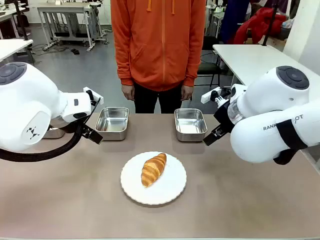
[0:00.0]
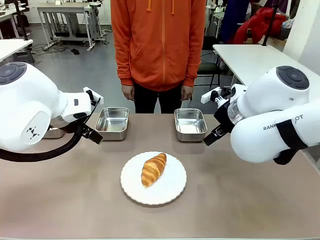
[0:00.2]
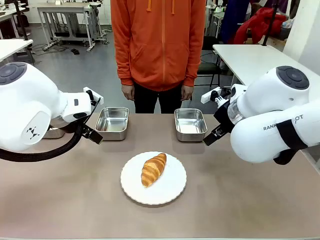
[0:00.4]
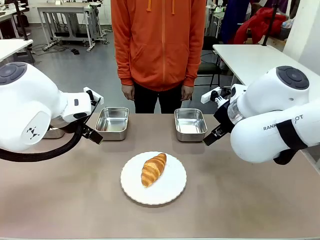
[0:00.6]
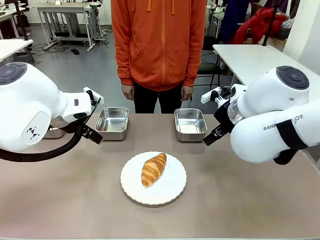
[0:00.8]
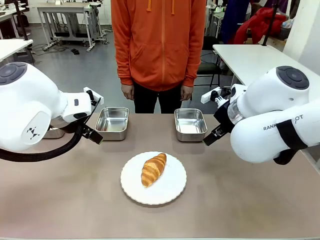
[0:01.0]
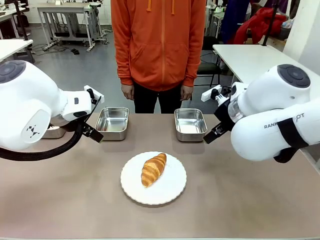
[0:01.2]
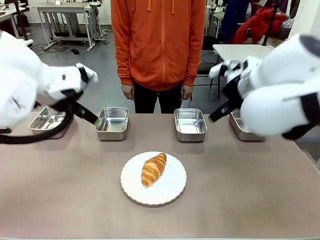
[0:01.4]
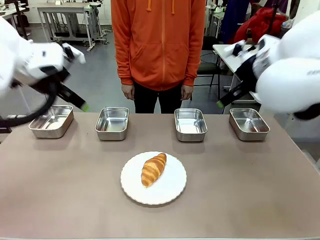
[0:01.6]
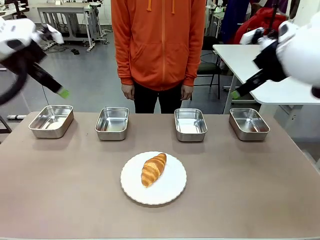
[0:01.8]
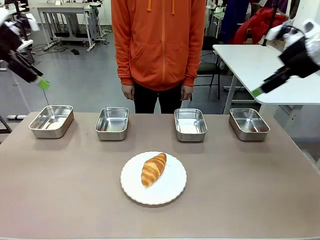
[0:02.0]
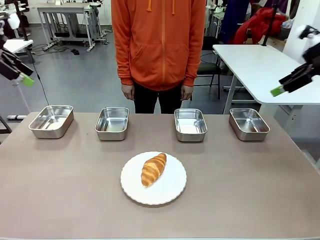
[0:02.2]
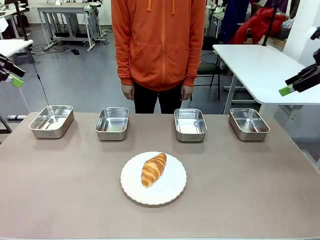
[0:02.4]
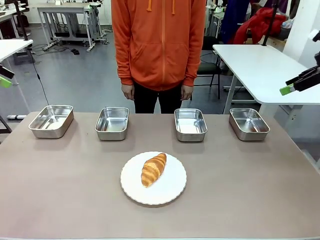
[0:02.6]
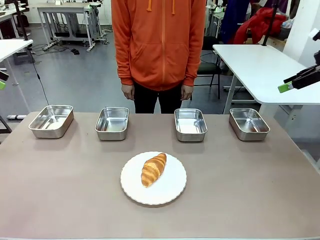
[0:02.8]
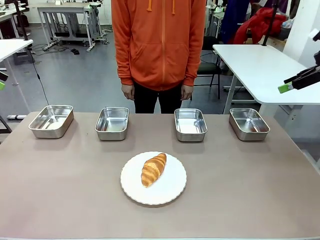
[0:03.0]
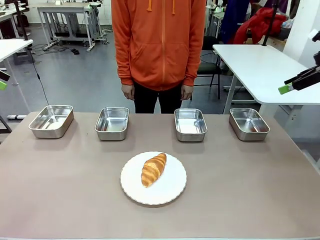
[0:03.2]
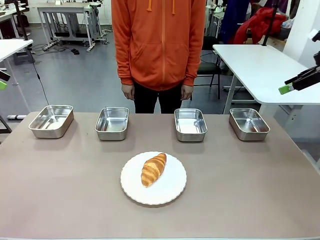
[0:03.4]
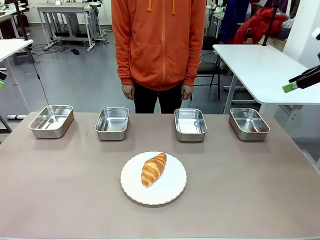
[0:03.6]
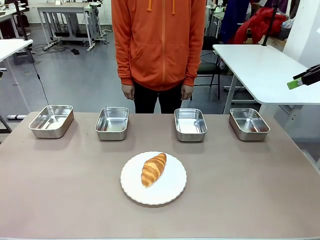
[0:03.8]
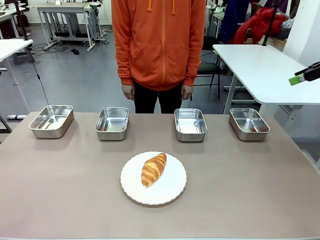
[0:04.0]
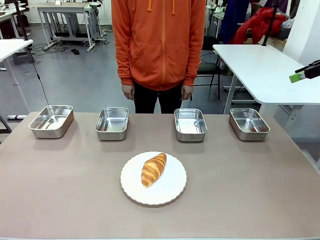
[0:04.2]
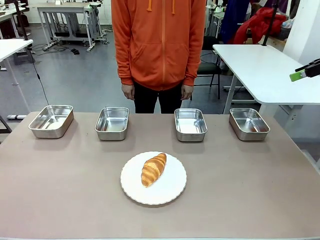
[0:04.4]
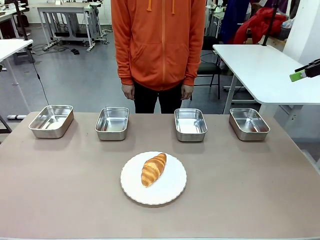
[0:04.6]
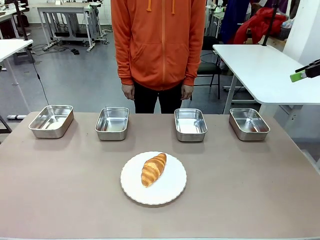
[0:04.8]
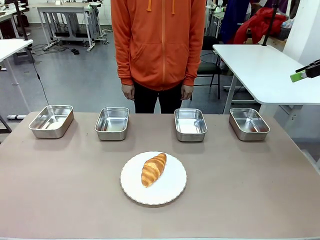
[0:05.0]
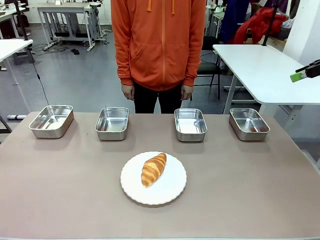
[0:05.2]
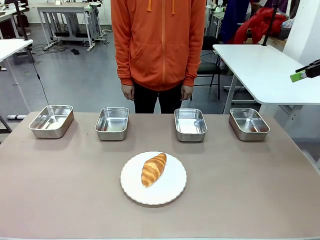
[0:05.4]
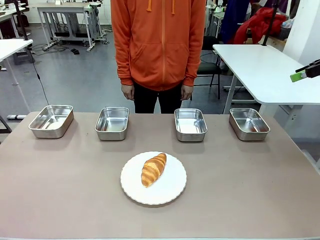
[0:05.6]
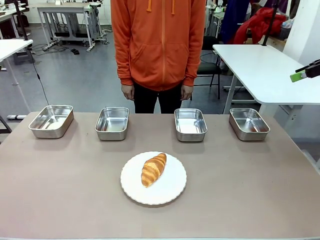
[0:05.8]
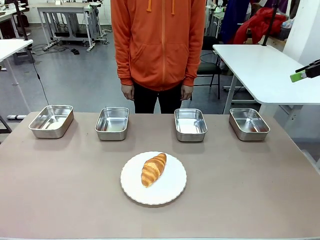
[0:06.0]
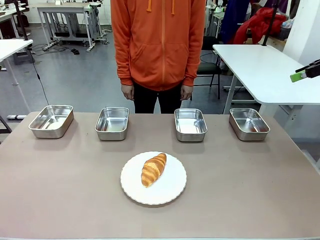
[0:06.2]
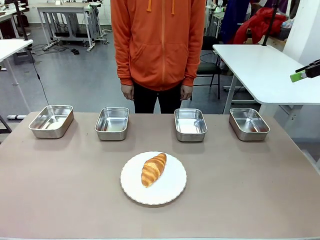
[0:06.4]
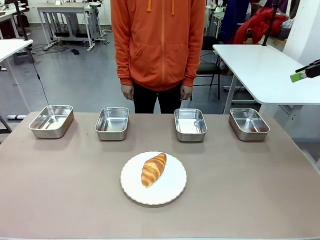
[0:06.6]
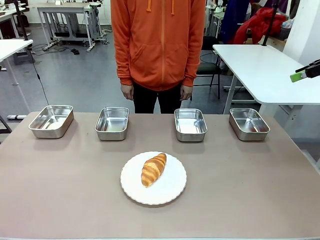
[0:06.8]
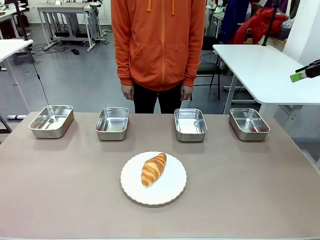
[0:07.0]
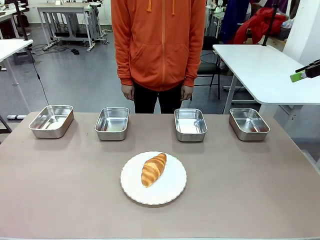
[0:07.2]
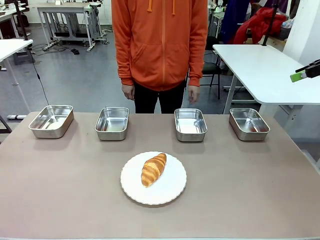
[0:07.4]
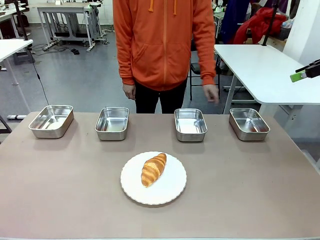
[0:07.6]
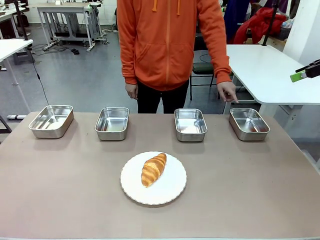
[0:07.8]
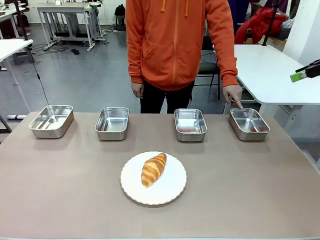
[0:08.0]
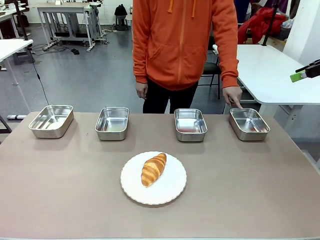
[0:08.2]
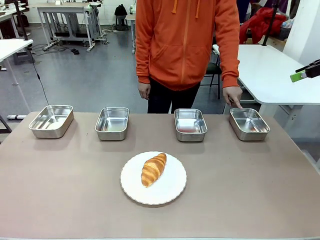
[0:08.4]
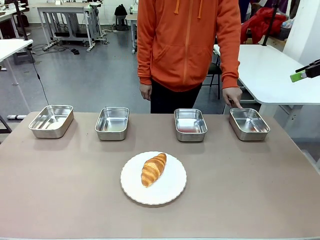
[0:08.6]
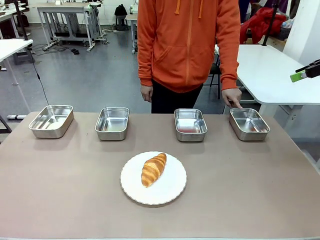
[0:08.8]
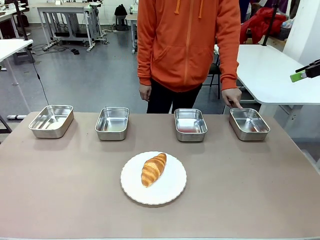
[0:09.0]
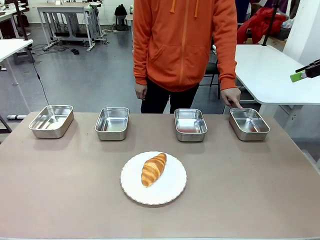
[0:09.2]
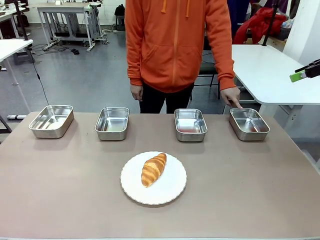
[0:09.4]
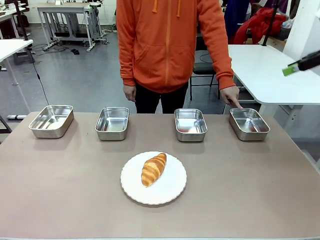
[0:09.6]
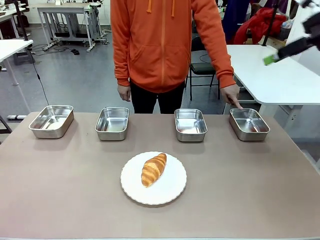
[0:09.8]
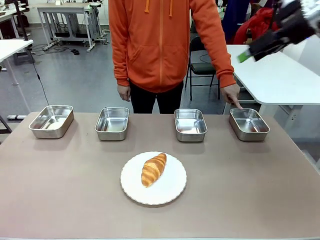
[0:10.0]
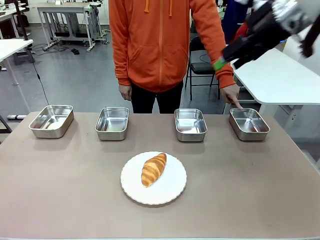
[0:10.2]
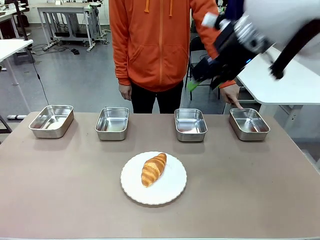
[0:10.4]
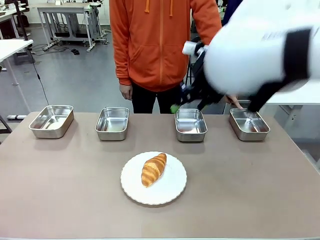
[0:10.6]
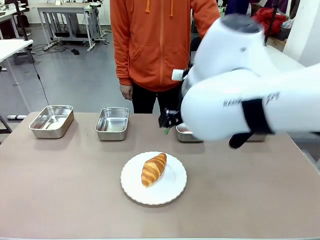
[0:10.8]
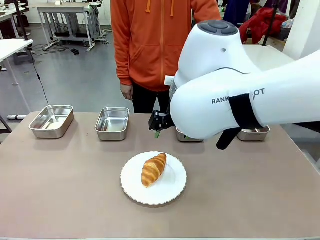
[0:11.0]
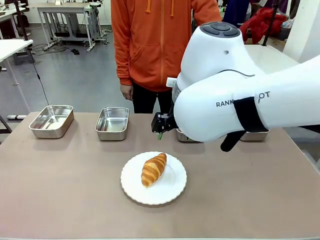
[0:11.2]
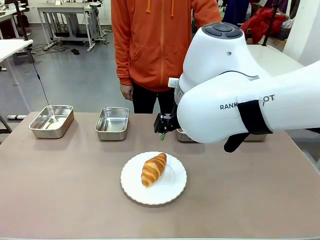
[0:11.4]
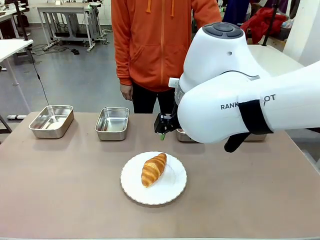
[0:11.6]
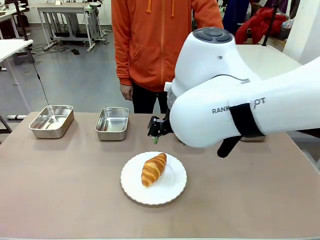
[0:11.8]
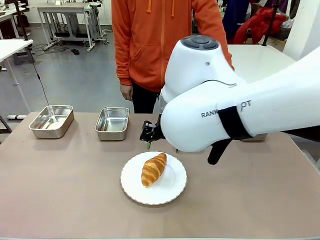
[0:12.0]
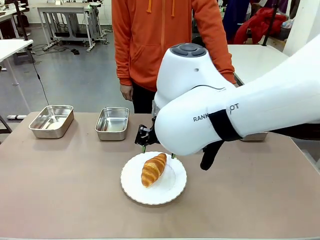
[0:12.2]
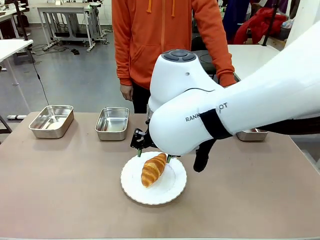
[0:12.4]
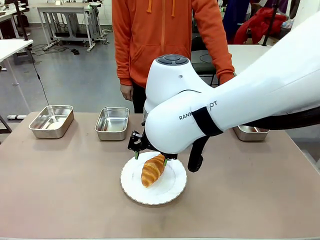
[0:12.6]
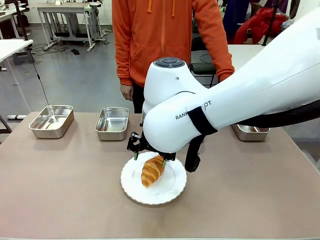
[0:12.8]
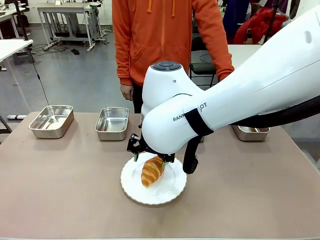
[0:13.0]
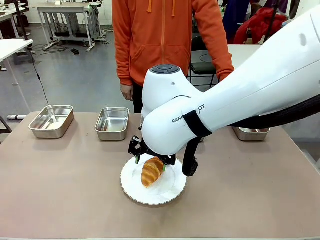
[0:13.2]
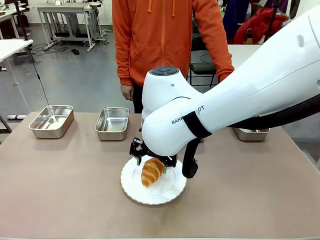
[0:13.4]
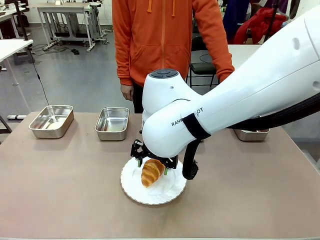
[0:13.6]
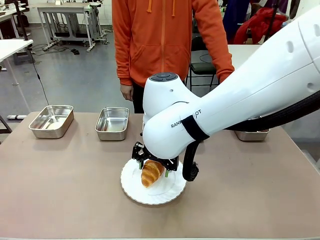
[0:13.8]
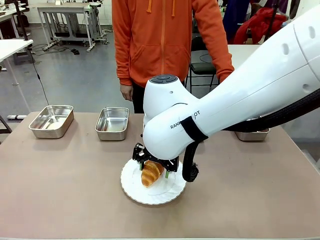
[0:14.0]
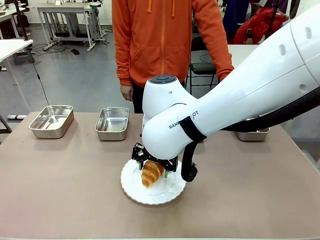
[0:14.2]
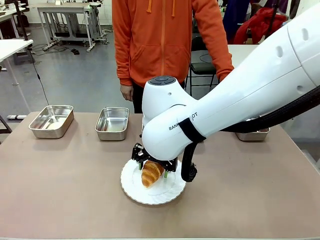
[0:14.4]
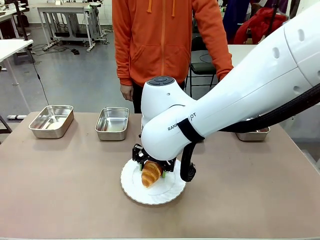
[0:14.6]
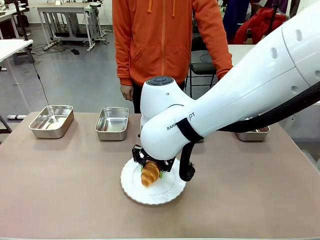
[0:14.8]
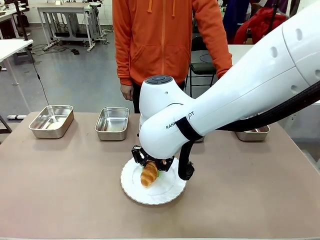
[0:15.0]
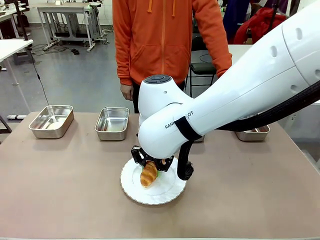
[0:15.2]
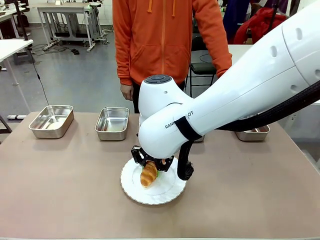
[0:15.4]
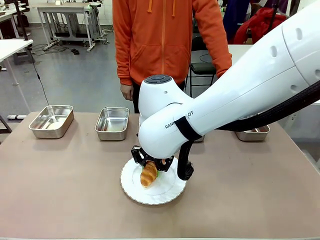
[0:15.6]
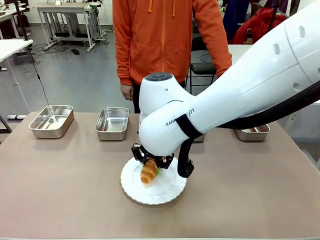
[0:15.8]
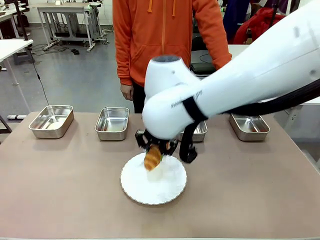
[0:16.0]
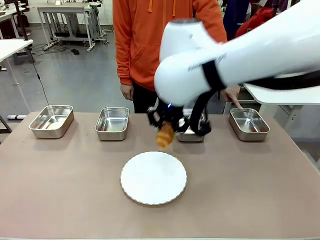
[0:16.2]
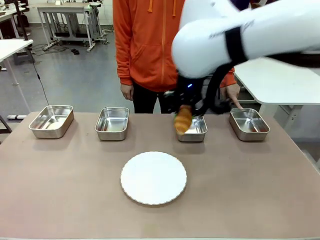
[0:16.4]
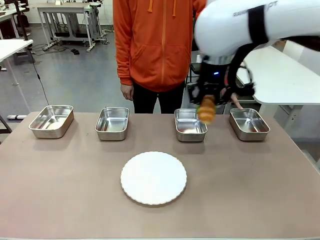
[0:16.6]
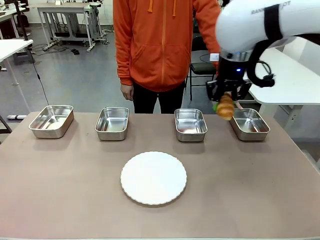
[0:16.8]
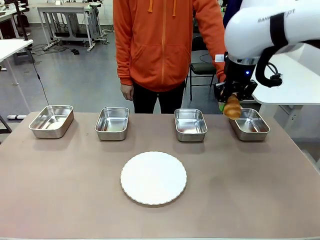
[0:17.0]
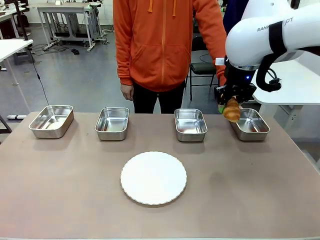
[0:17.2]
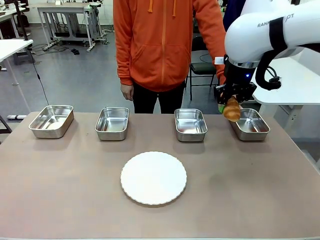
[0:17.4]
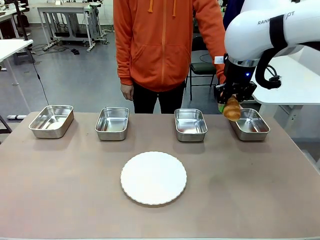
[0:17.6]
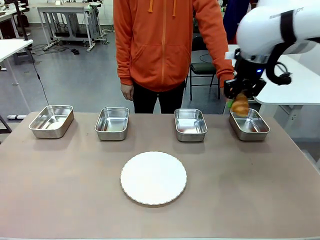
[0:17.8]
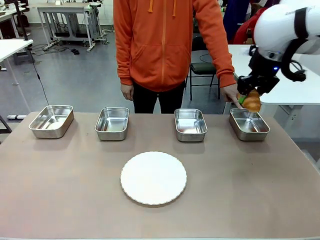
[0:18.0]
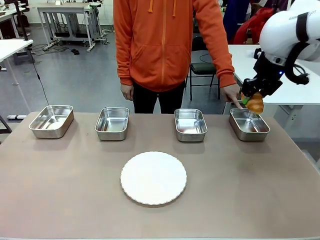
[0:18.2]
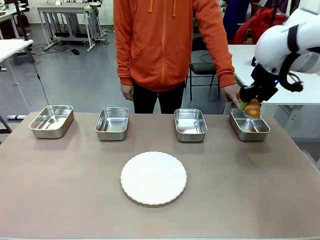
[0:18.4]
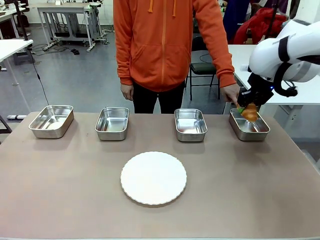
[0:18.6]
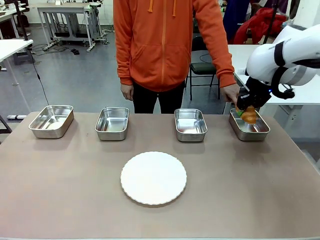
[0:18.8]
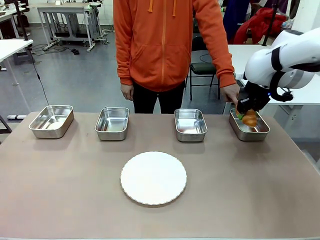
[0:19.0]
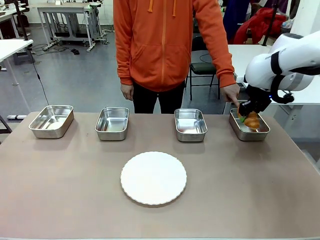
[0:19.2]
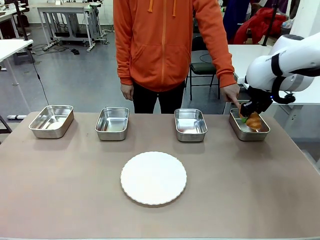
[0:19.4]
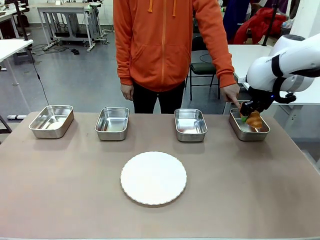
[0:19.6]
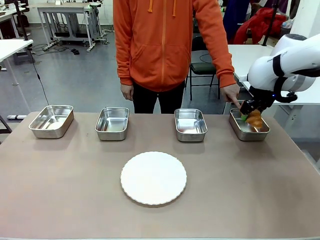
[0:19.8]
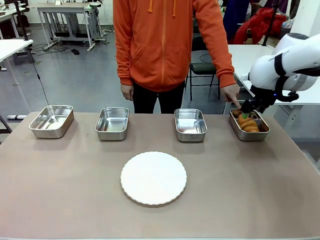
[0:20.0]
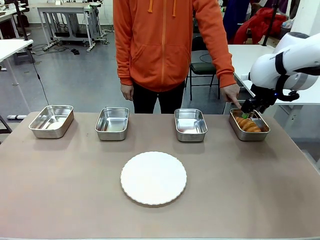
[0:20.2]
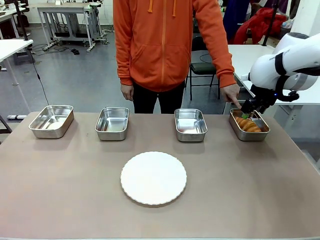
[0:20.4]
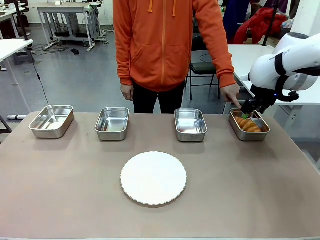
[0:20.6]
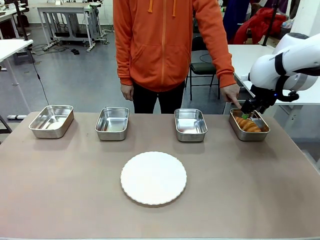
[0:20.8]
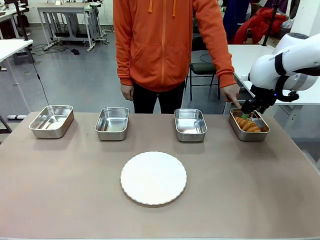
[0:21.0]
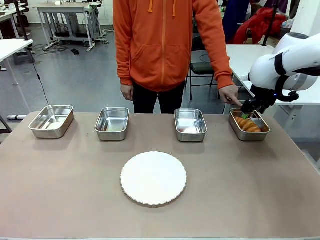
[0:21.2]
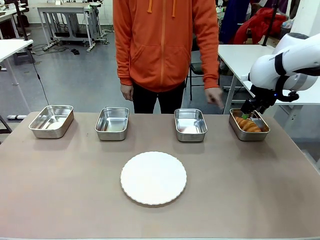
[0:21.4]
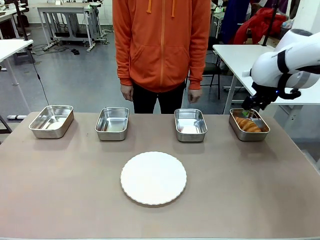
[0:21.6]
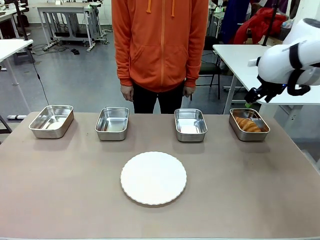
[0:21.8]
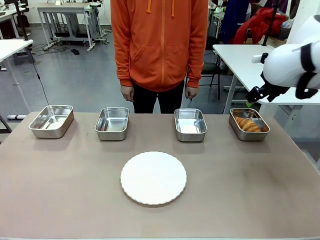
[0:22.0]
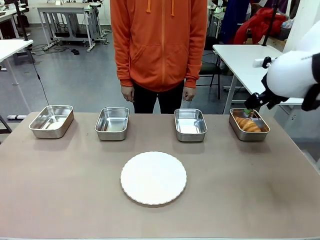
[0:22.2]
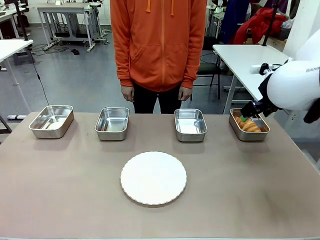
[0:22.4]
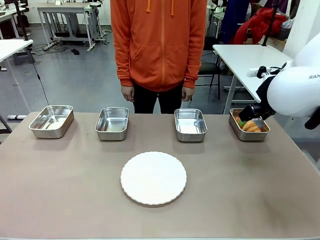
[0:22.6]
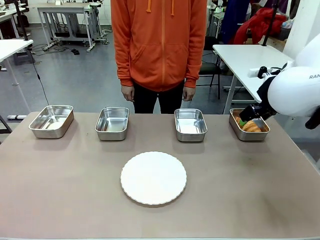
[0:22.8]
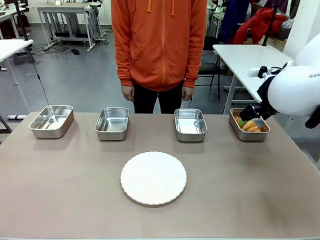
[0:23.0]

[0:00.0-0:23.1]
Task: Place the bread in the container.
Robot: Place the Butter Roll into the Airtight Container indicated by the human.
Person: A person randomly selects and points to an Airtight Container.
